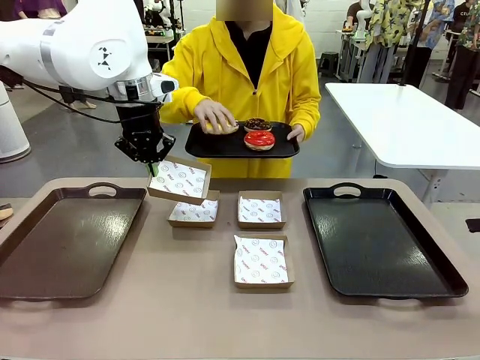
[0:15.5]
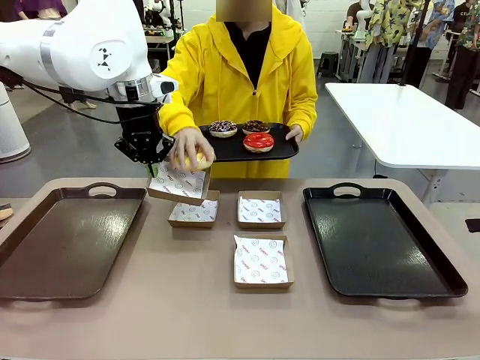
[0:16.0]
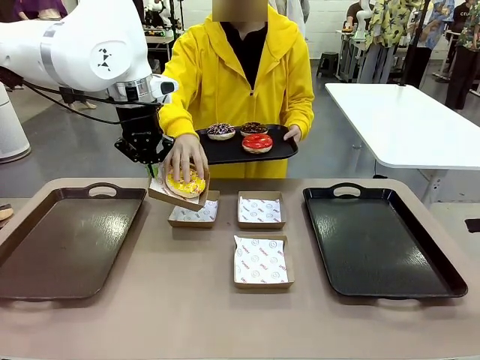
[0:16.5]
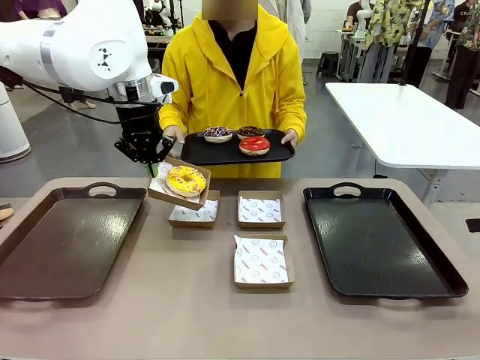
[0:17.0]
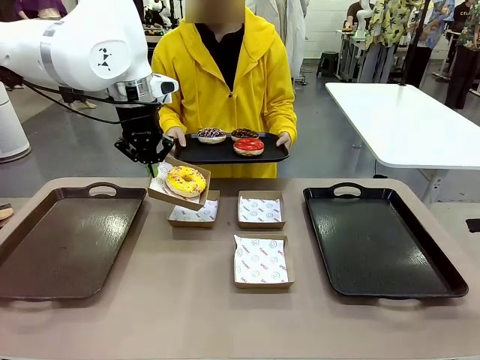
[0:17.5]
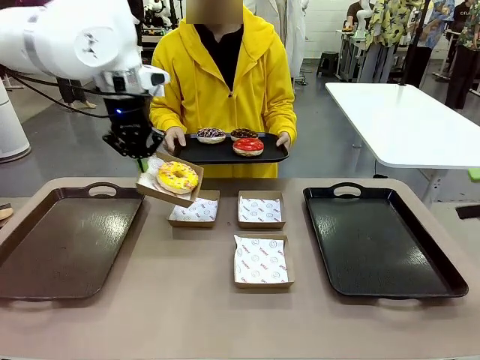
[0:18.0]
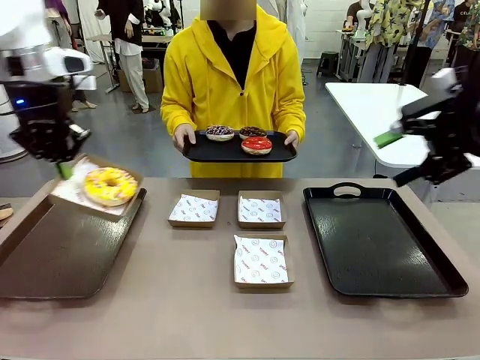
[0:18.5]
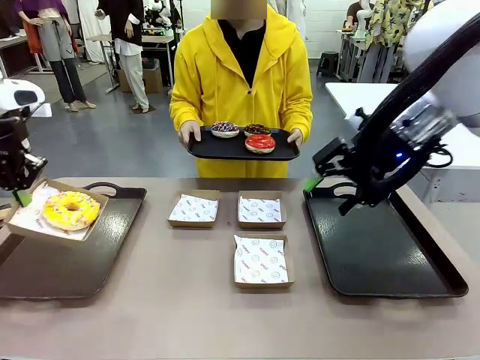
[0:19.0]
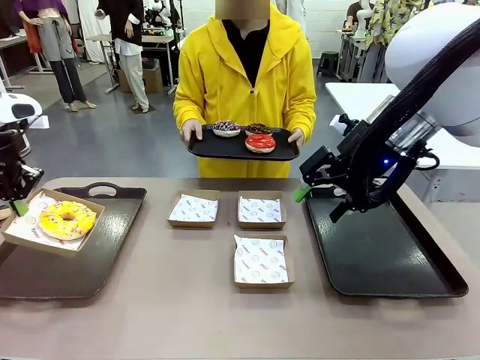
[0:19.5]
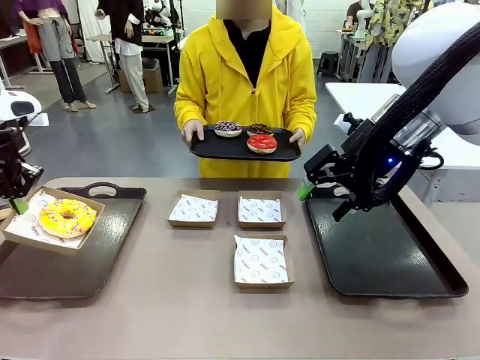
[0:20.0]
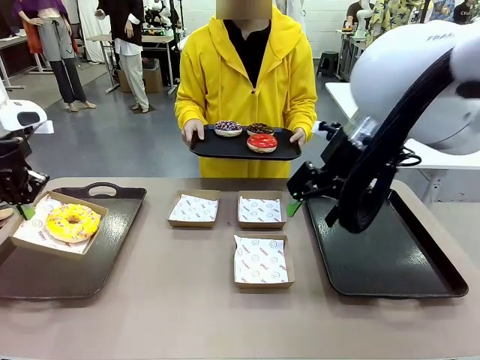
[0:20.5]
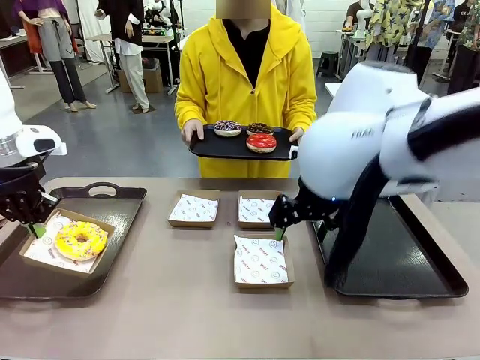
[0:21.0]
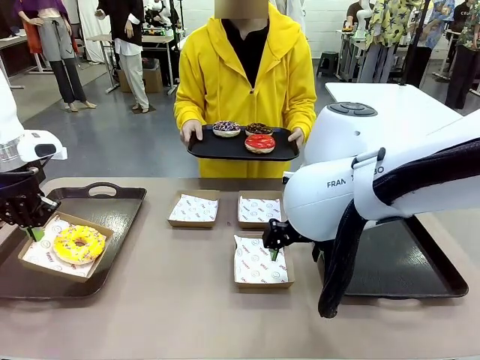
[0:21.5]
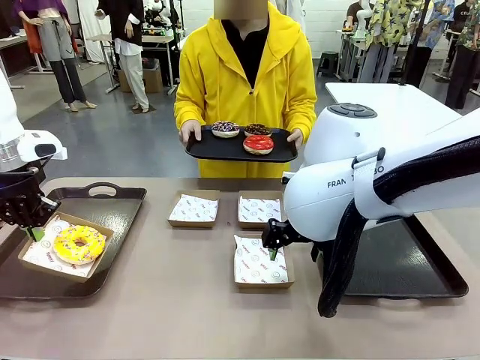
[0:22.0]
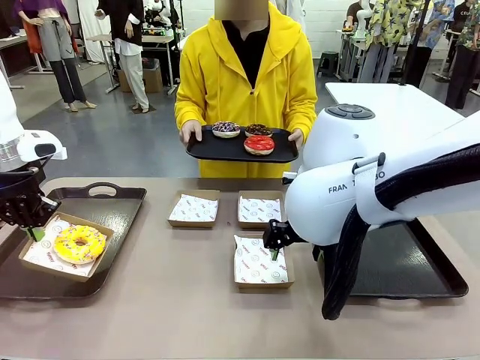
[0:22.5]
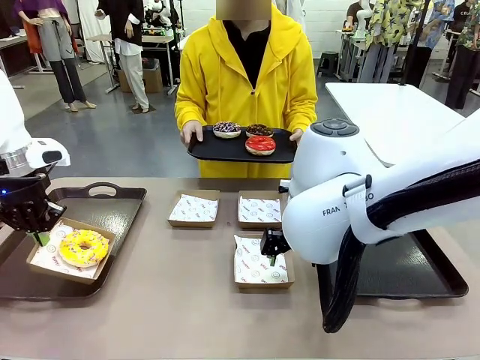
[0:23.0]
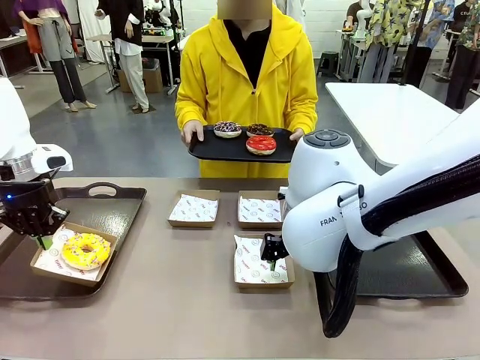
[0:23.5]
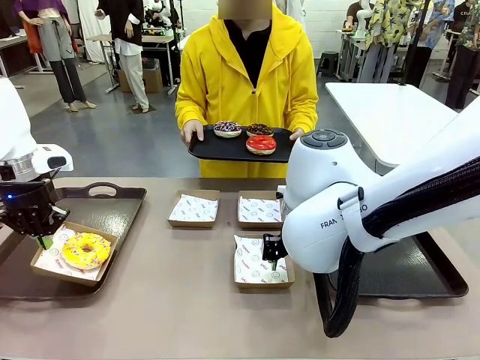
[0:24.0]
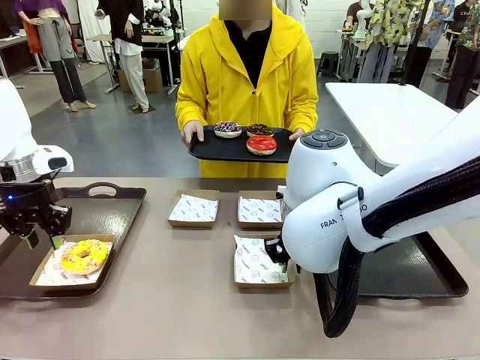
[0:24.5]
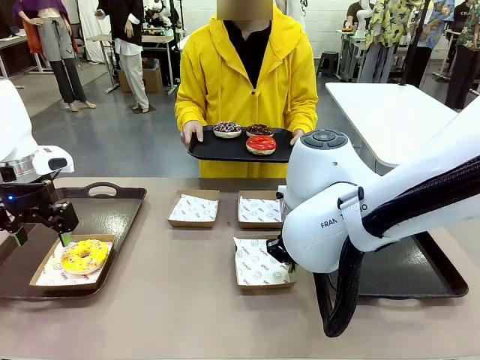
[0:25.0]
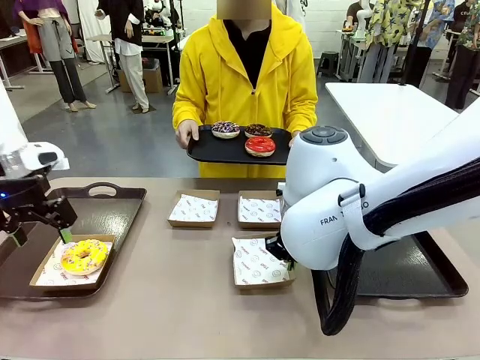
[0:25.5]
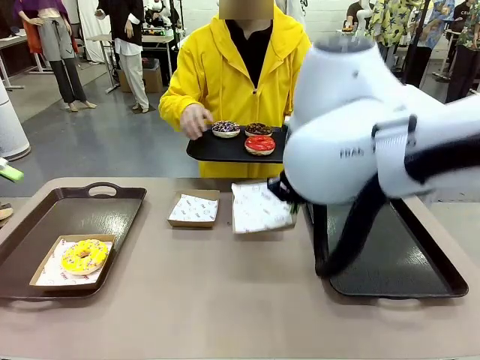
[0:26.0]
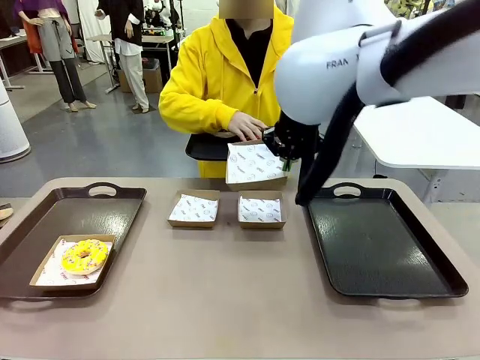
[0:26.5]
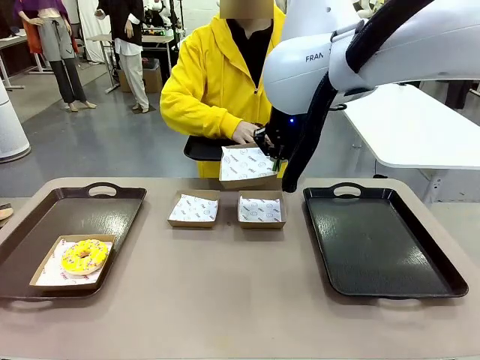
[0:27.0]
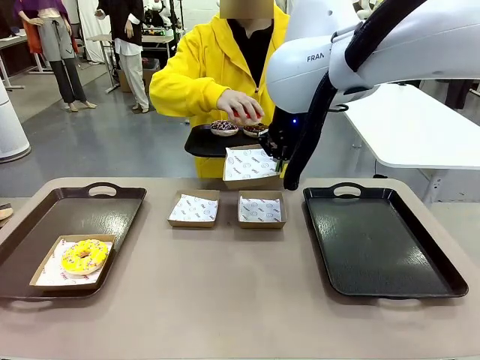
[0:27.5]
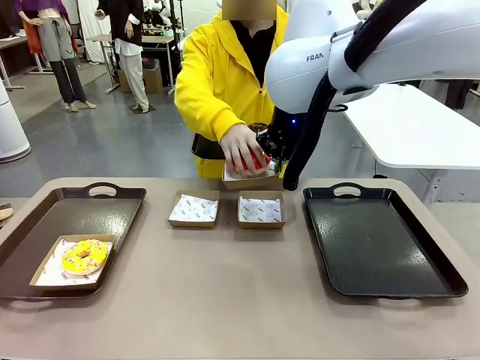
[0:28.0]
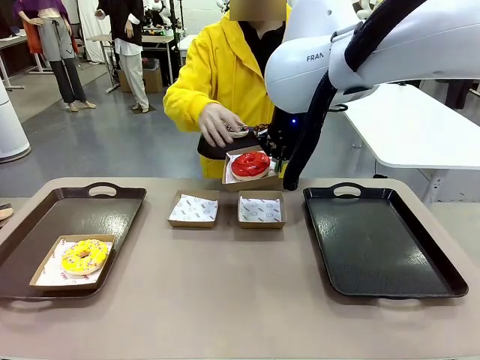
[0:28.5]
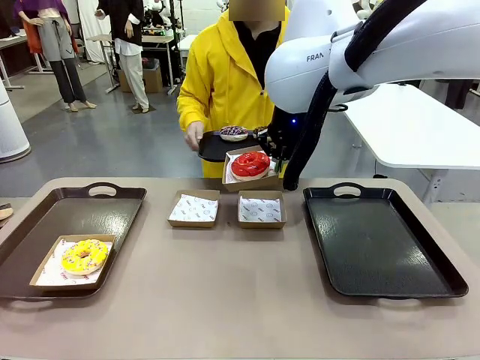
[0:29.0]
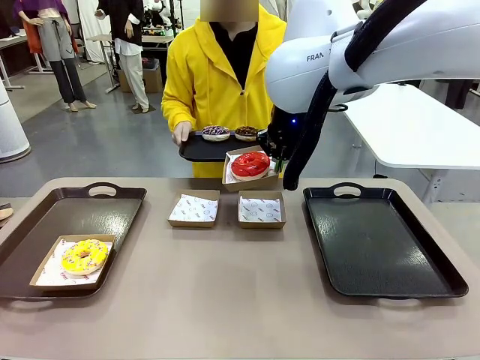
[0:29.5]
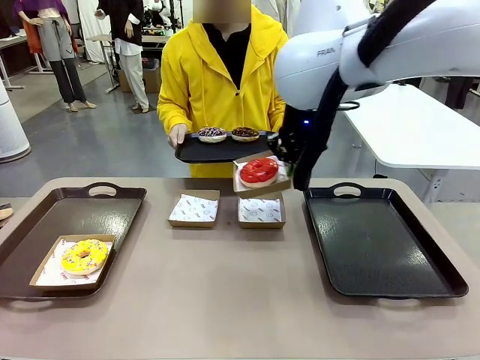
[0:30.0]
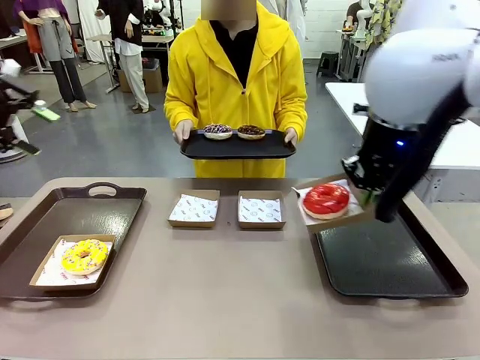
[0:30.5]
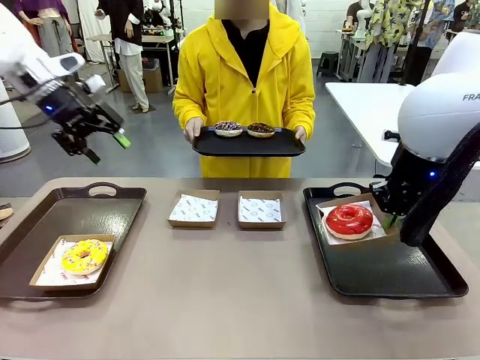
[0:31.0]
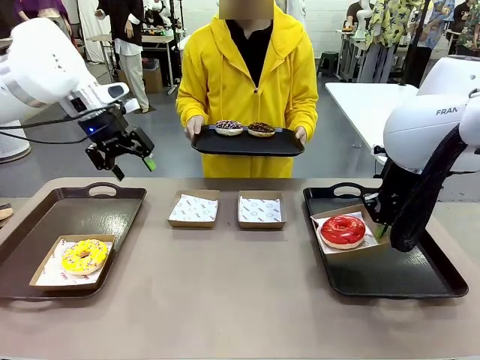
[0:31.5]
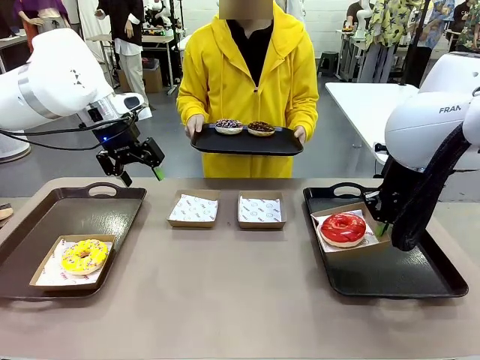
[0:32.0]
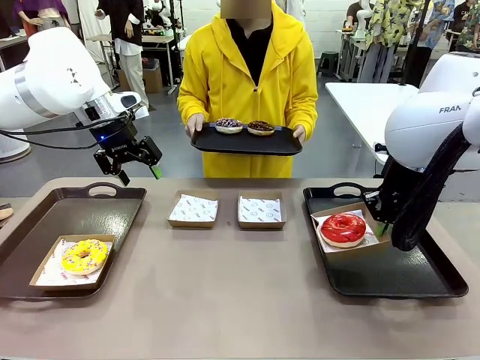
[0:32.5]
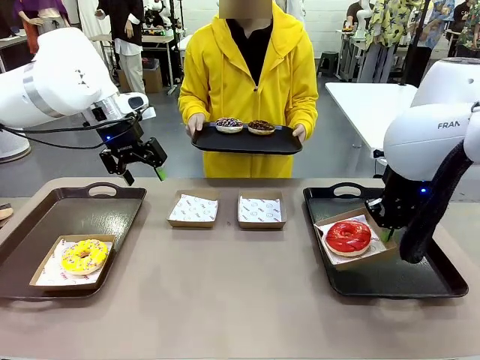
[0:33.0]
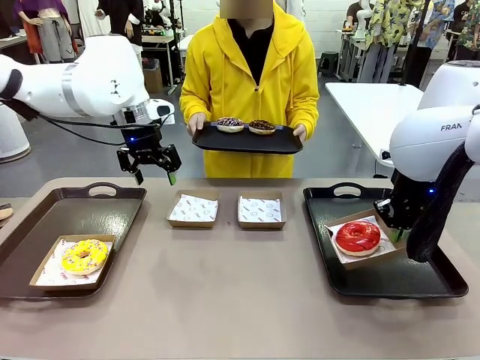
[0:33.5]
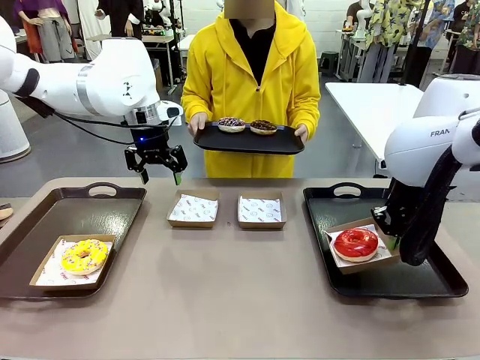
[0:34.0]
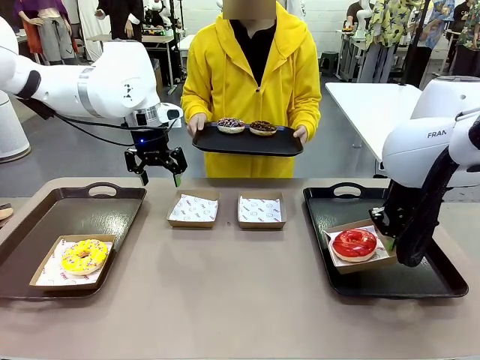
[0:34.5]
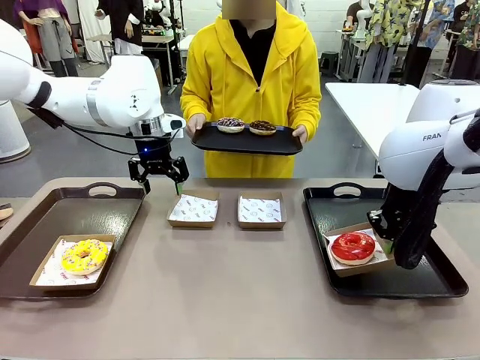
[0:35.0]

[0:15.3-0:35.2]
Task: Individually package the donuts and arrange them on the tray.
Robot: Place the picked Paper togo box on the Handle tray while simultaneously picking up another Paper togo box from the table with the other hand.

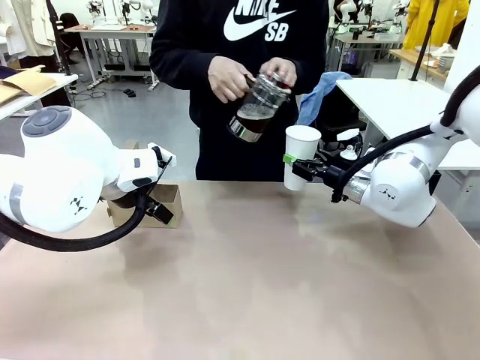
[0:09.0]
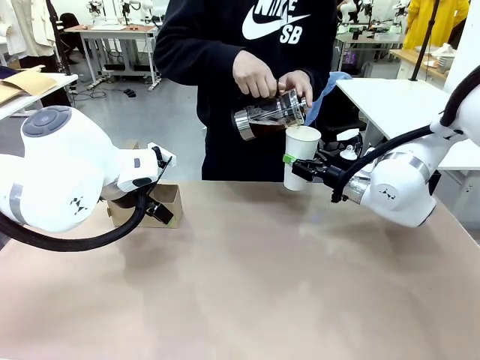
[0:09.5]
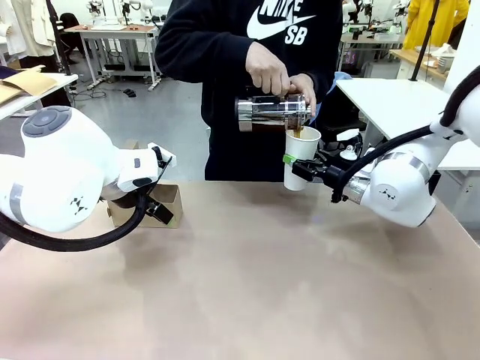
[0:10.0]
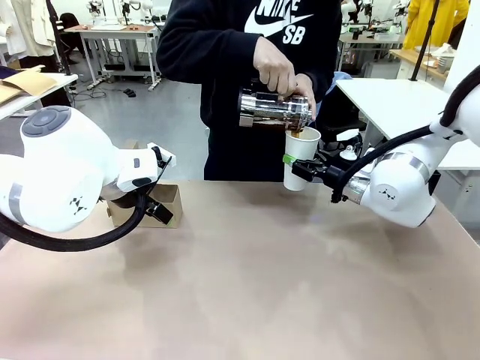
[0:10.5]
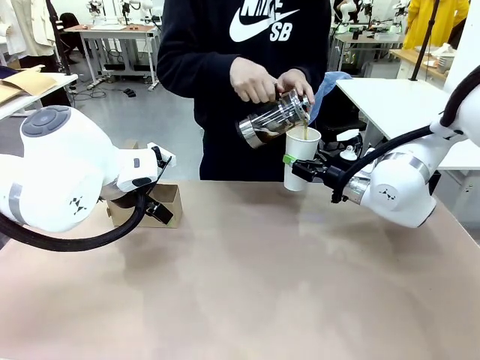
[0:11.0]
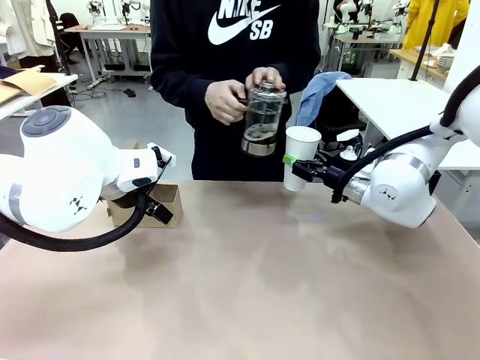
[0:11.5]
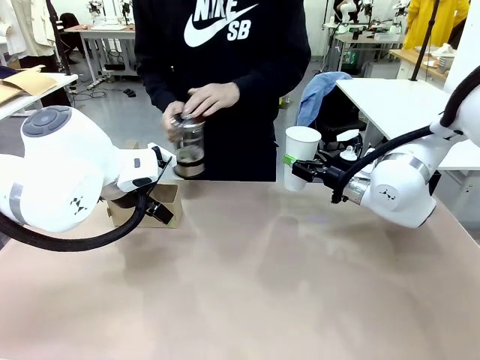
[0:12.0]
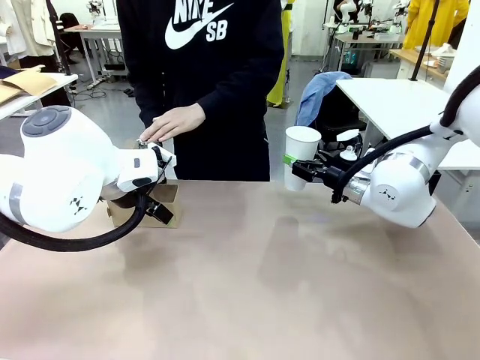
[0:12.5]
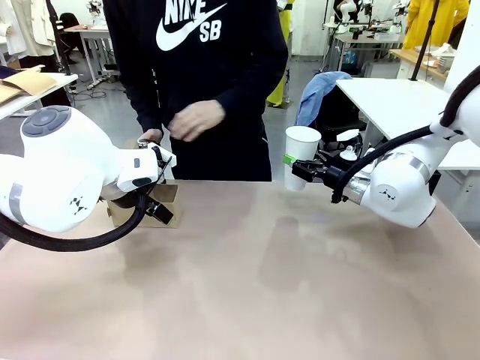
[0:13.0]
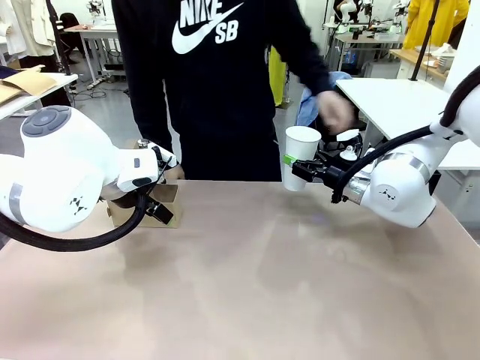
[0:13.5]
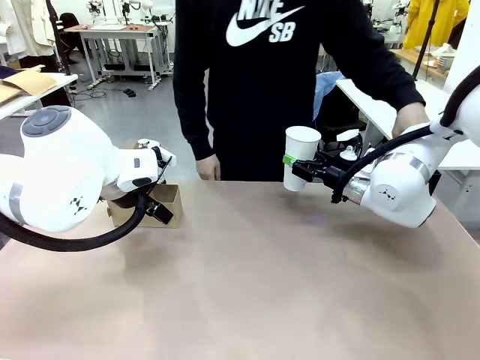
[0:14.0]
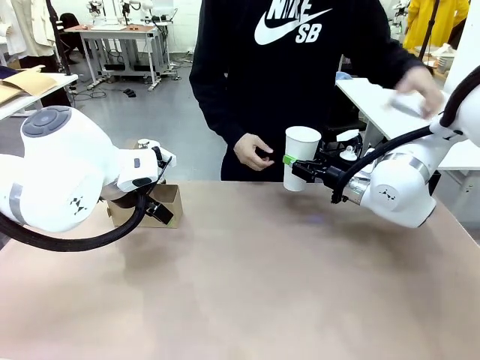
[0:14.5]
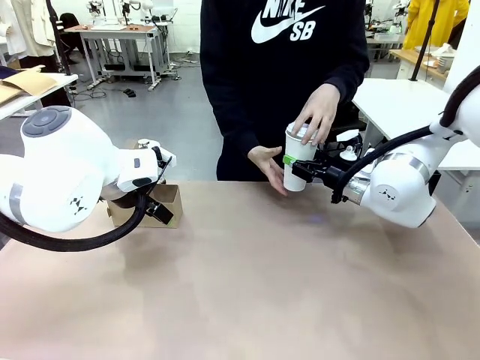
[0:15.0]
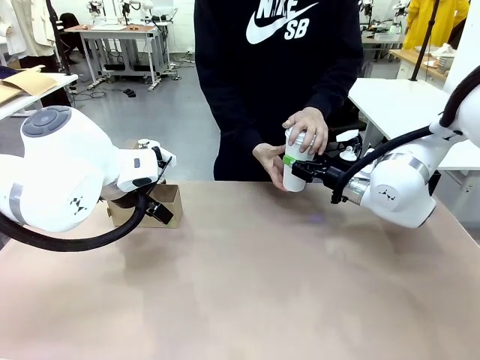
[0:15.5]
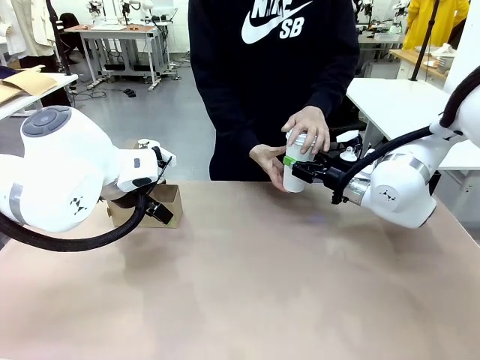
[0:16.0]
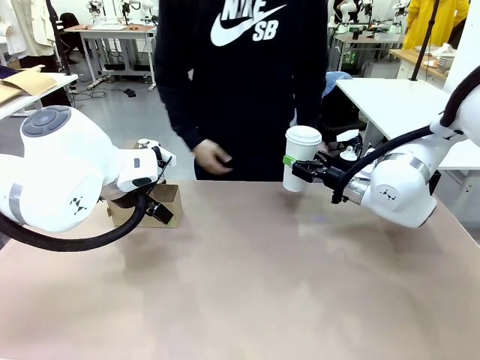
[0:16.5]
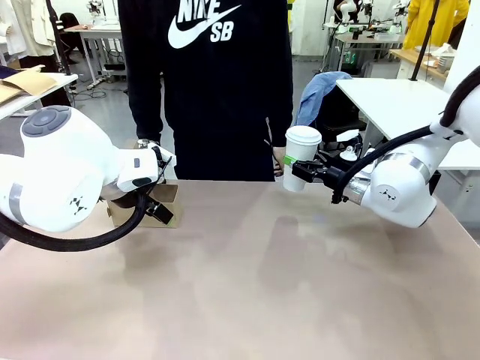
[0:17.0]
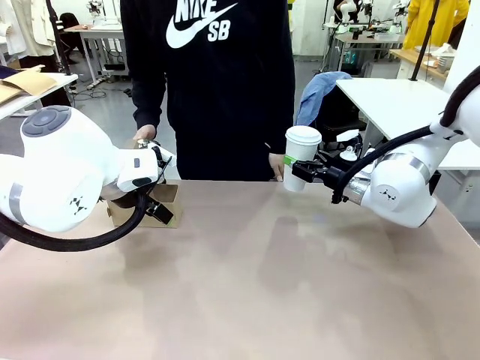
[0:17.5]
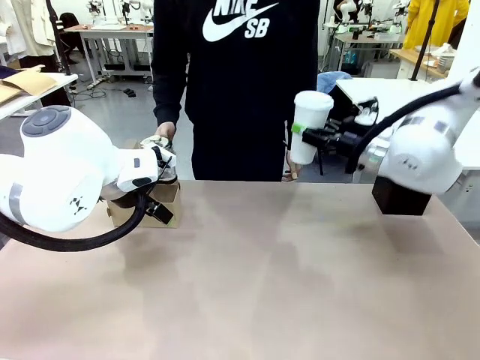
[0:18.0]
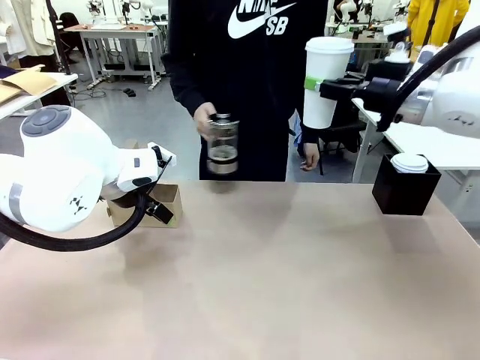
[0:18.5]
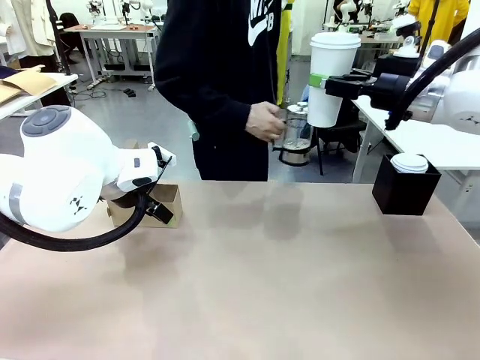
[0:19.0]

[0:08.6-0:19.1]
Task: Pour a drink into a cup and package it in a carrier.
Robot: When a person places the Paper Cup Lid on the 600 ml Paper Cup , lift the 600 ml Paper Cup.
Person: Pour the drink from the Filter Brewing into the 600 ml Paper Cup. Place a Paper Cup Lid on the 600 ml Paper Cup.
